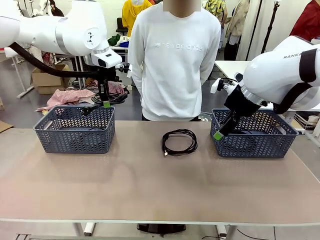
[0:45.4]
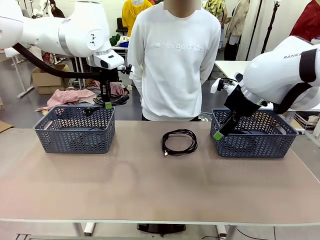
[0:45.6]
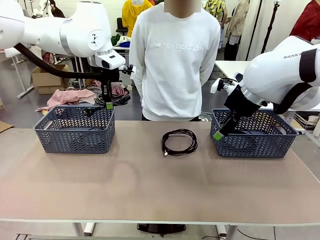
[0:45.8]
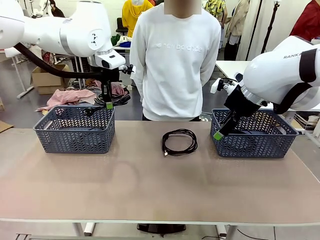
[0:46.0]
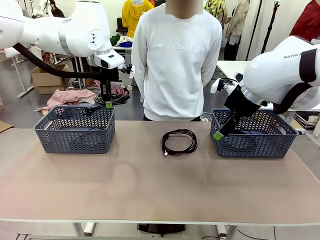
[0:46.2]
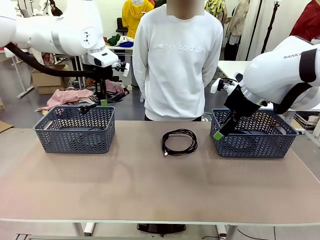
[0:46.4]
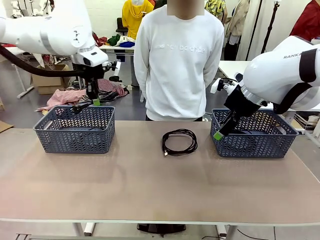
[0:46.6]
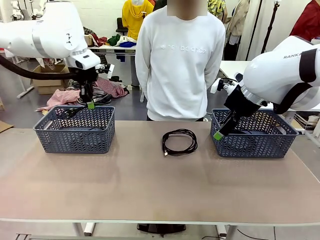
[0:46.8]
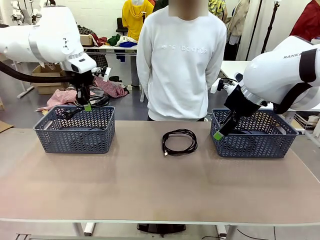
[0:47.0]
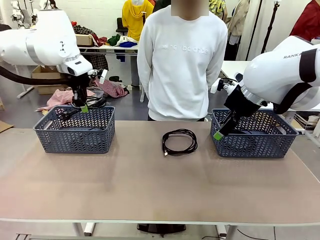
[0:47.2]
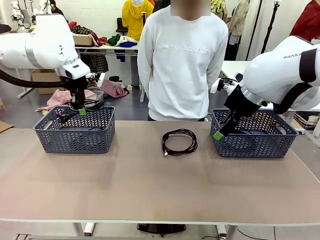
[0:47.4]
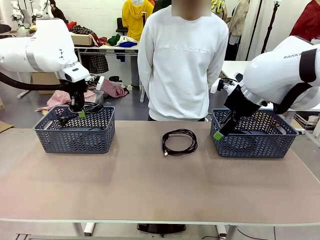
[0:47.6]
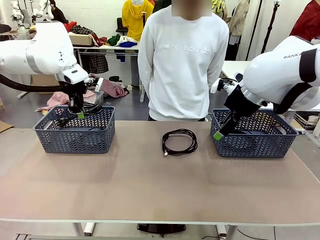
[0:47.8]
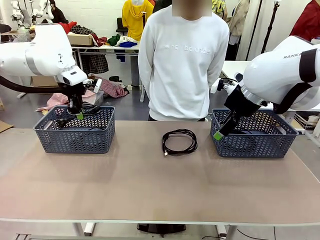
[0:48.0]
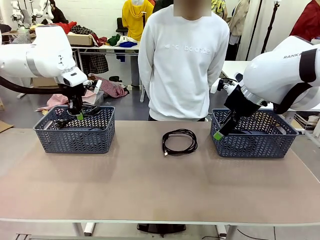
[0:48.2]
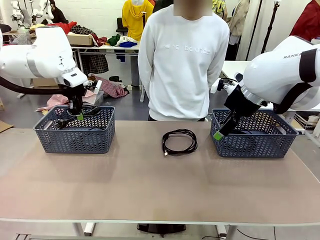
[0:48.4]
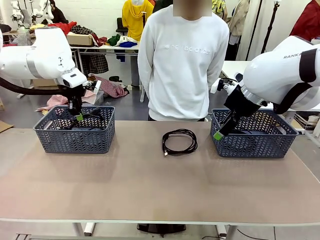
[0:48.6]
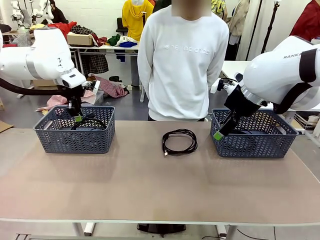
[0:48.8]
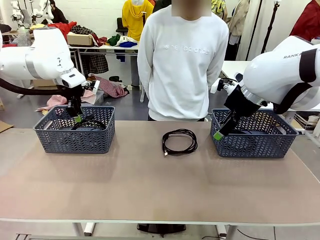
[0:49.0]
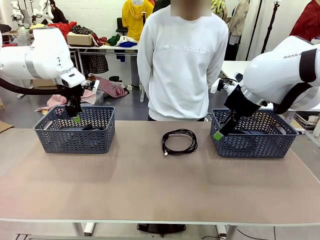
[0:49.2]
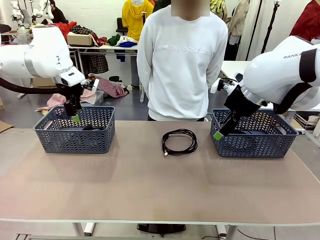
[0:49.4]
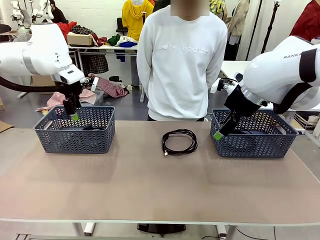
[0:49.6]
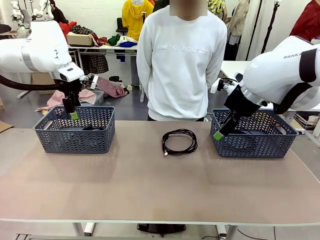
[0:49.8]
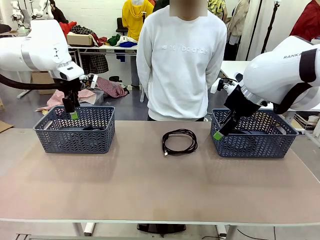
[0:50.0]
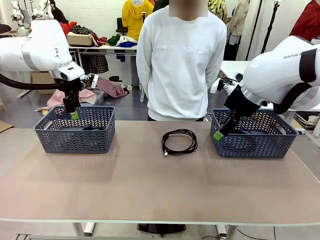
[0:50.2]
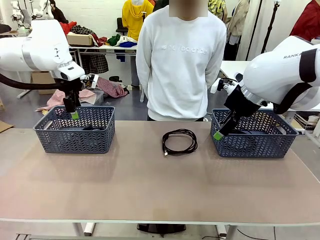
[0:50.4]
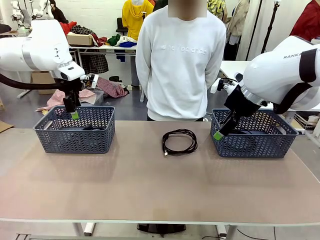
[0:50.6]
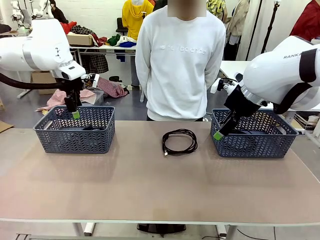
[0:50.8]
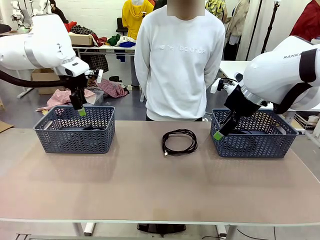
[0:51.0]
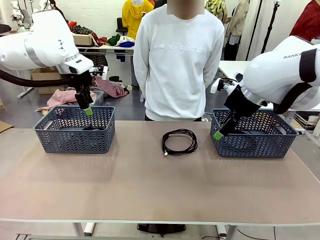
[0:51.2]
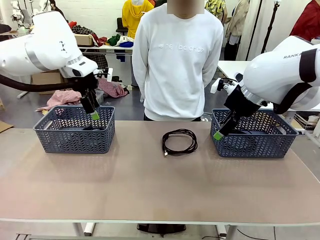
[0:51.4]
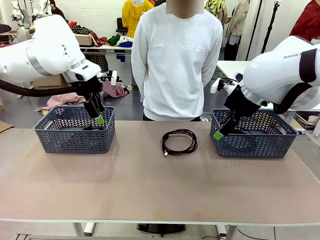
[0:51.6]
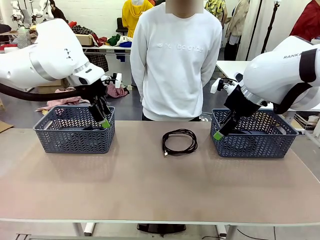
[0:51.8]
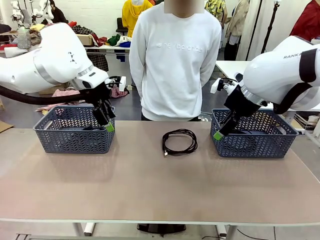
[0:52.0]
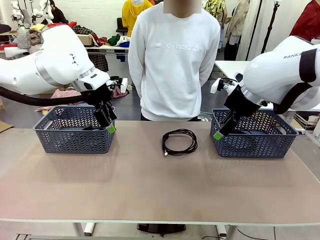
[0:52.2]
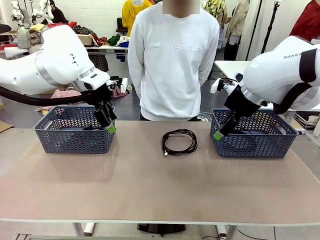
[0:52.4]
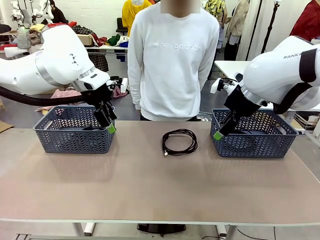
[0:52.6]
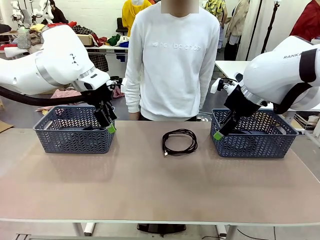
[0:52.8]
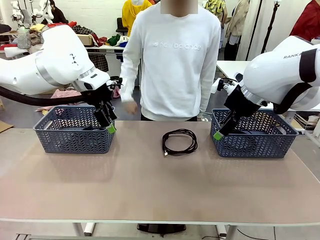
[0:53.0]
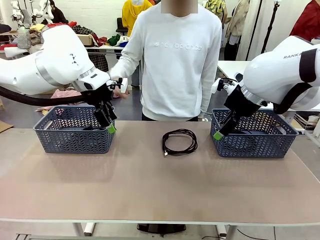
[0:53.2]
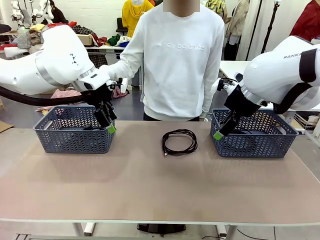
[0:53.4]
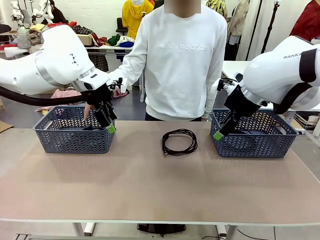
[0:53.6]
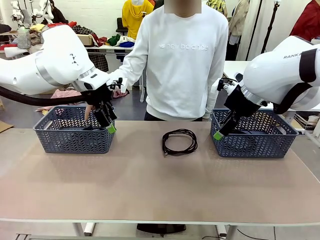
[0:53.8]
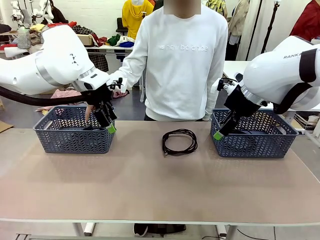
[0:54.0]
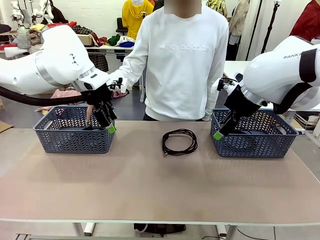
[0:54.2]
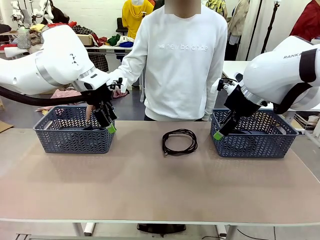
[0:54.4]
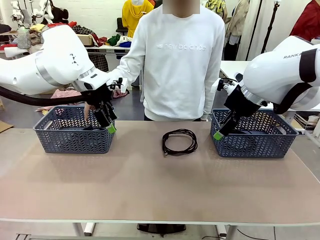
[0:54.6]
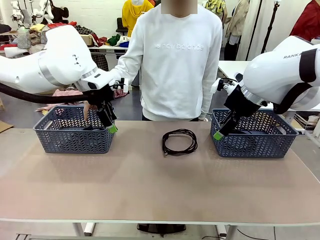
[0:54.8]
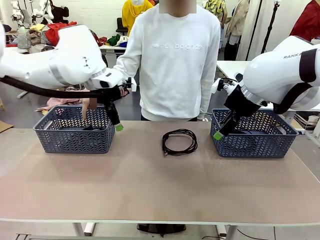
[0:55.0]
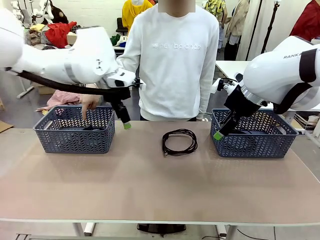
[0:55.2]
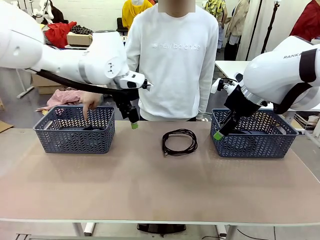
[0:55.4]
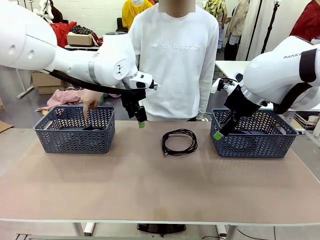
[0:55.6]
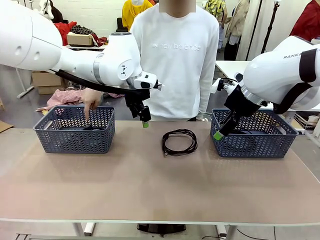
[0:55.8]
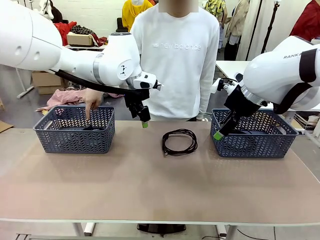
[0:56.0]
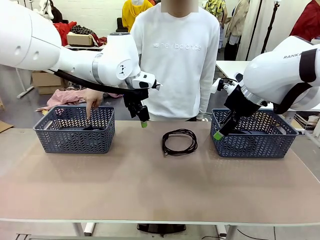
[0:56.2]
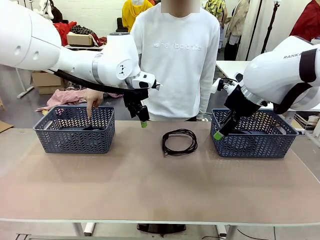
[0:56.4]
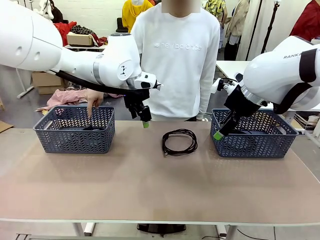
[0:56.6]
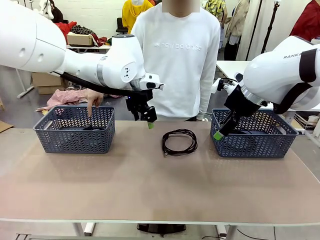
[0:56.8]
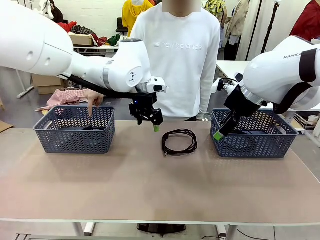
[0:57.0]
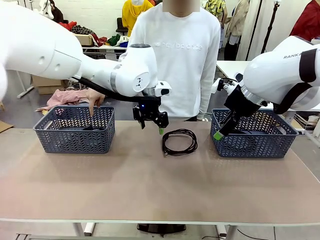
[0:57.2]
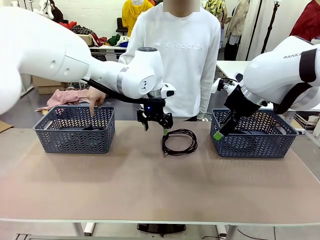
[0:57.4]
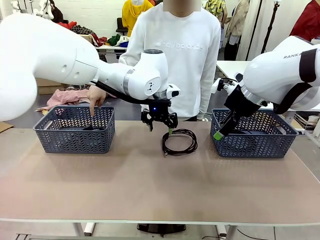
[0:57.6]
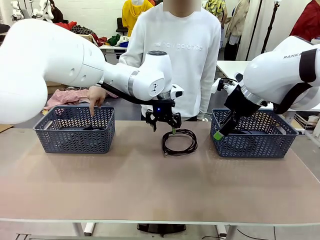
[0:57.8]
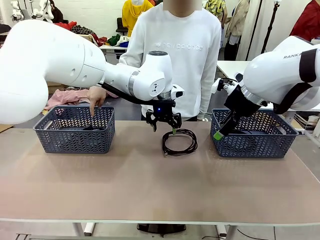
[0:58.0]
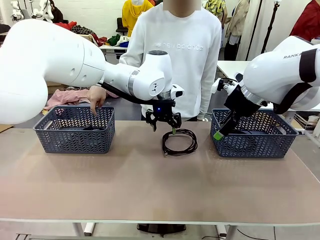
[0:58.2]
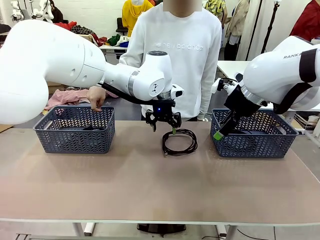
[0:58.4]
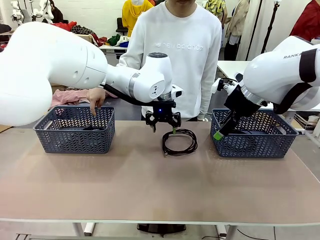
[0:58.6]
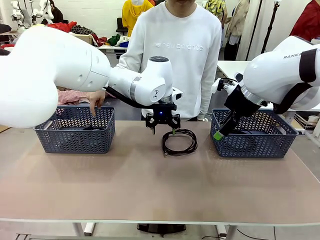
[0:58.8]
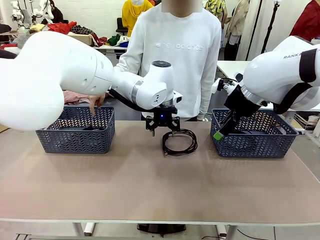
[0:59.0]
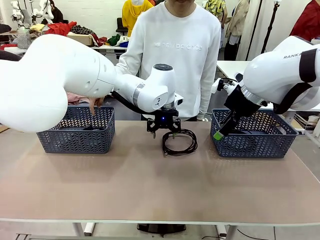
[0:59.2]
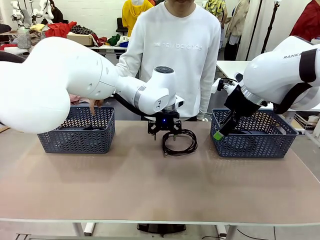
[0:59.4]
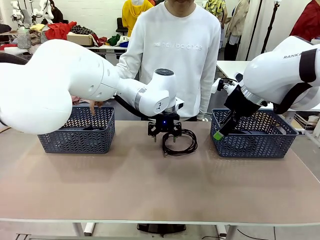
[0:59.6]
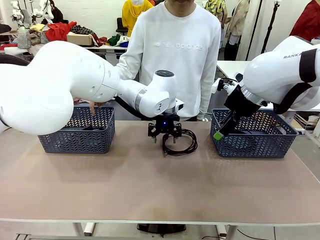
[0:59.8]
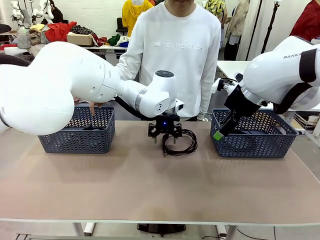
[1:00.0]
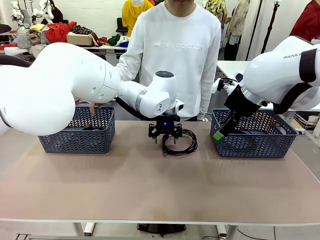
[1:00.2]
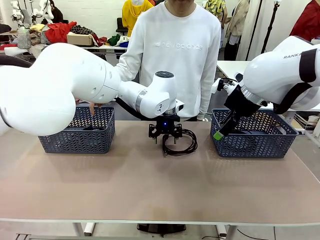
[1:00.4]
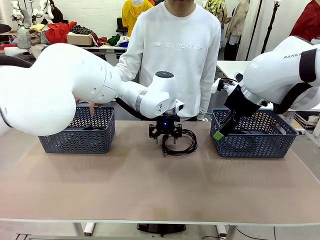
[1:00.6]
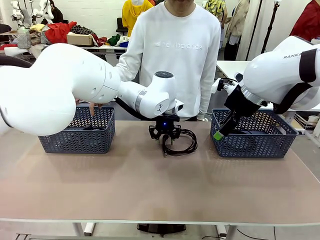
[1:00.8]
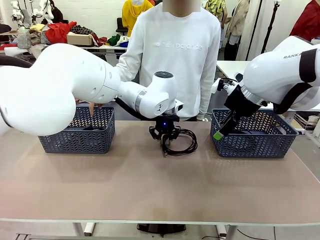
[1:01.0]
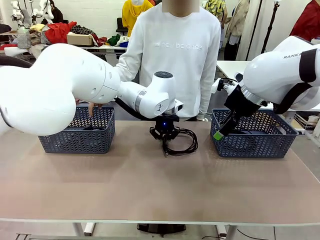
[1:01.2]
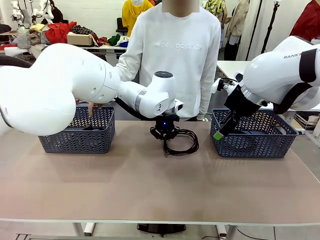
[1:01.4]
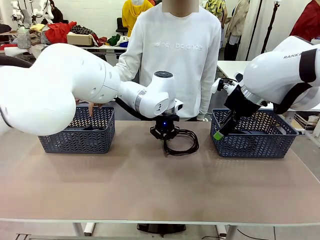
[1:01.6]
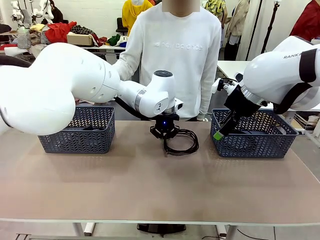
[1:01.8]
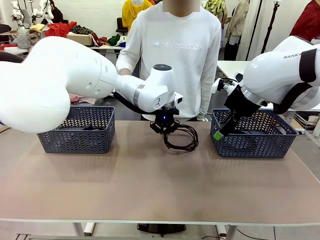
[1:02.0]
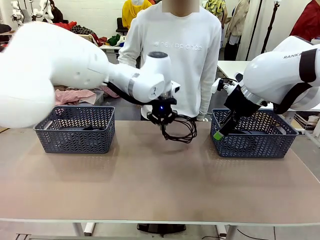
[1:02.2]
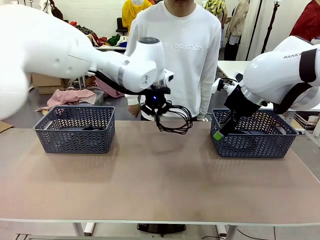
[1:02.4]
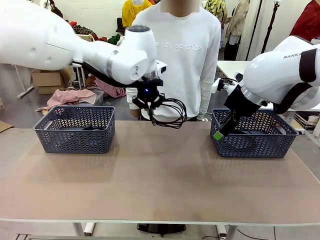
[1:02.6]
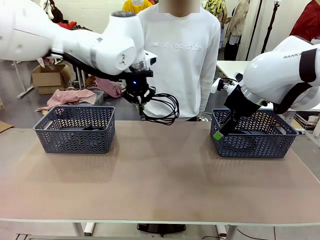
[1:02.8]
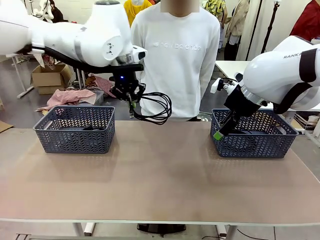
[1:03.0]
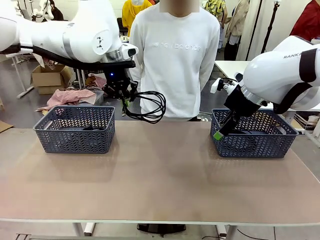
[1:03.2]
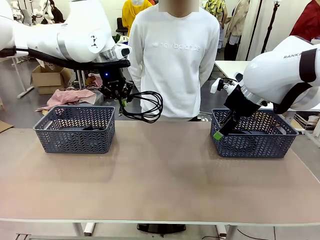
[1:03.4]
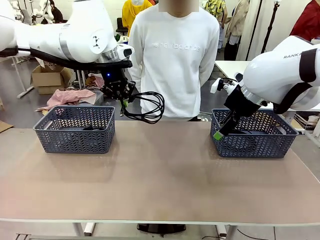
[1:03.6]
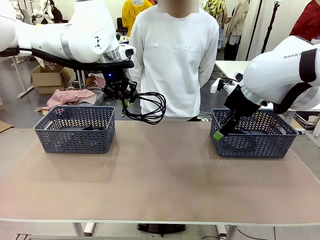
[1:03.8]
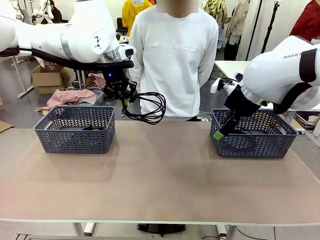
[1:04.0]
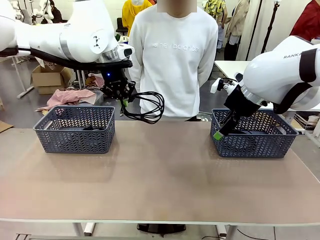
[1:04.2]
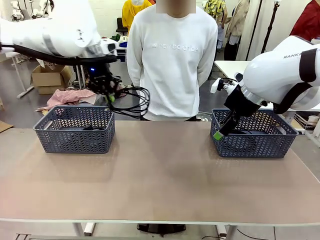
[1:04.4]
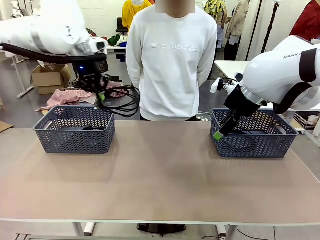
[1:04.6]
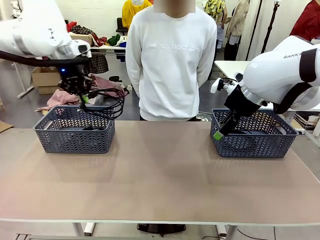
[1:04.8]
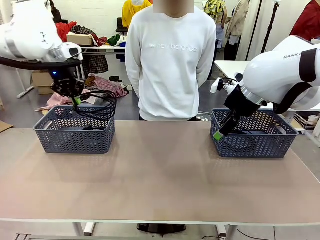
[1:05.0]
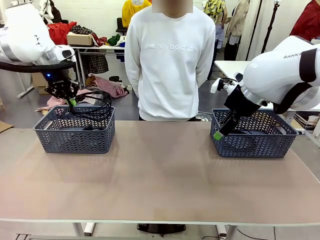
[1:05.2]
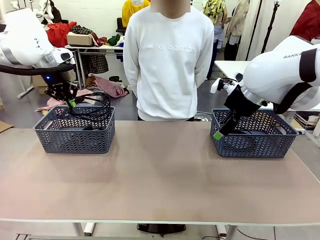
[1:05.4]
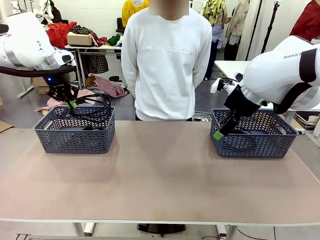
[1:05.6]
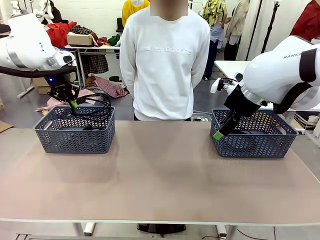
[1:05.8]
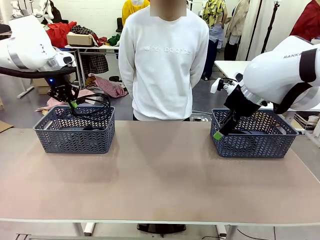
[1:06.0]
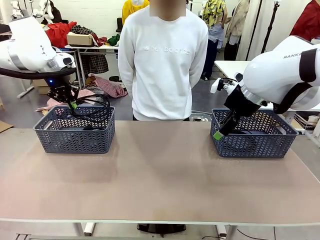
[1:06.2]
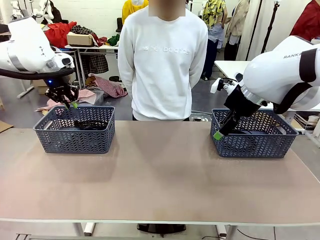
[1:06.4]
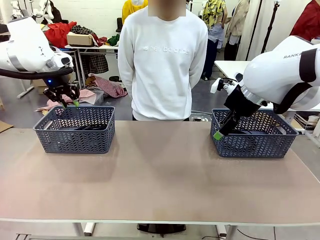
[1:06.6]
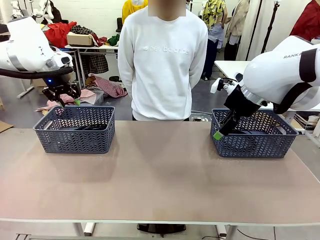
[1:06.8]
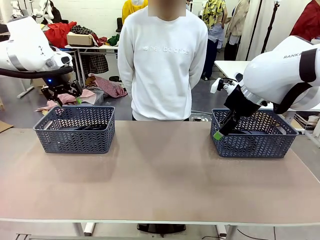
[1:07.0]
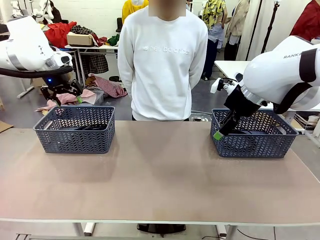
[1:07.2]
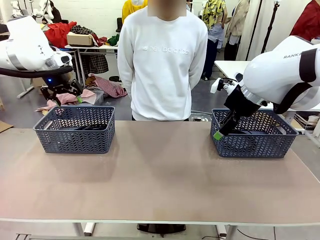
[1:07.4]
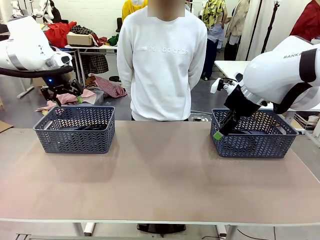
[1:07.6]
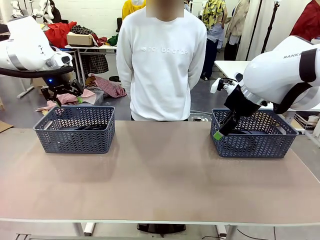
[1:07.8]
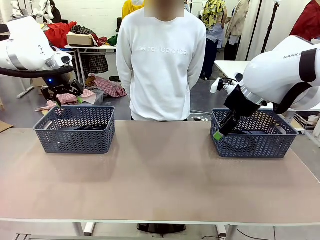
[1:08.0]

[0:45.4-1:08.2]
Task: Organize the cables according to human instructions.
Robot: Pick up a bundle of cables and place it in the basket indicated by the human.
